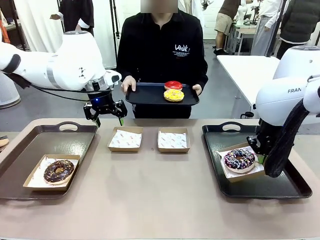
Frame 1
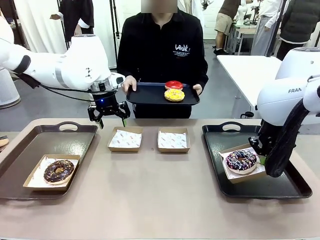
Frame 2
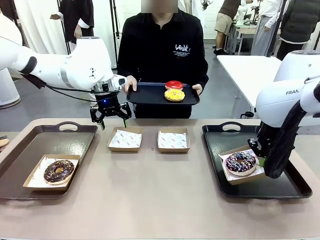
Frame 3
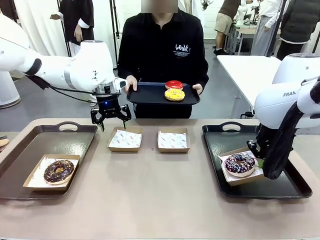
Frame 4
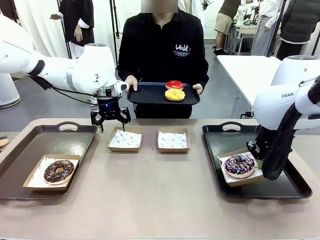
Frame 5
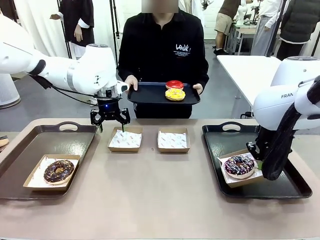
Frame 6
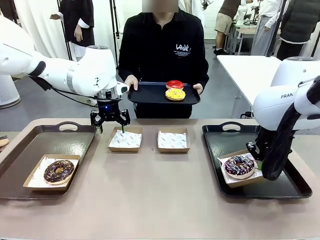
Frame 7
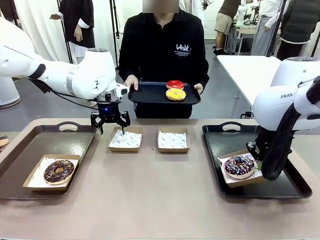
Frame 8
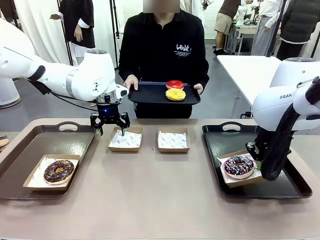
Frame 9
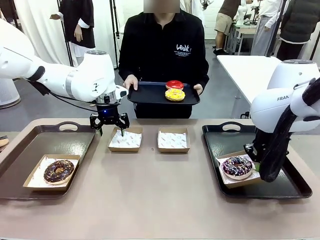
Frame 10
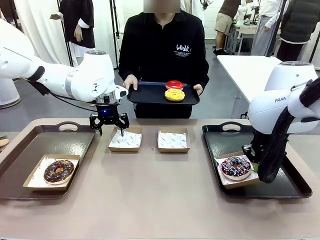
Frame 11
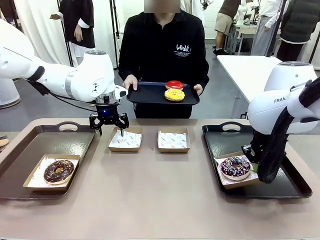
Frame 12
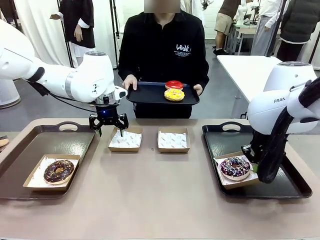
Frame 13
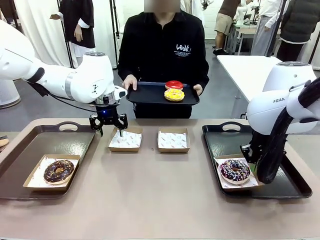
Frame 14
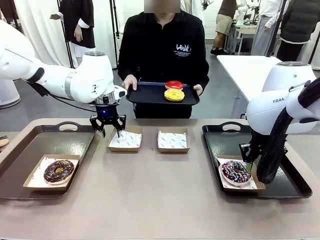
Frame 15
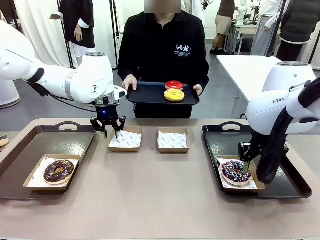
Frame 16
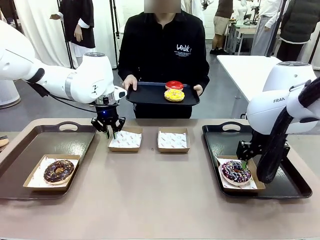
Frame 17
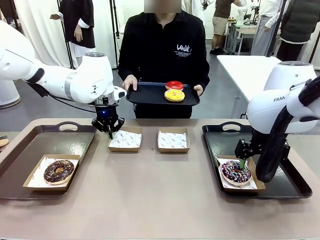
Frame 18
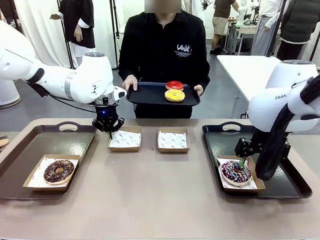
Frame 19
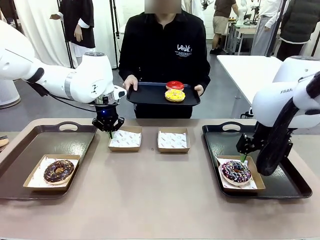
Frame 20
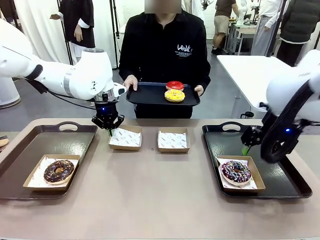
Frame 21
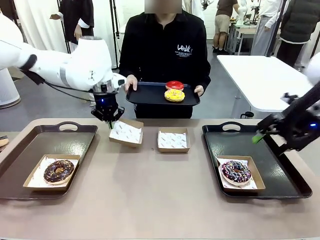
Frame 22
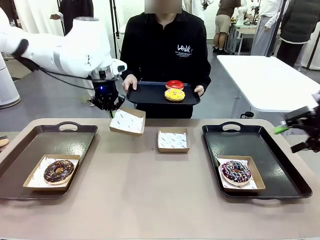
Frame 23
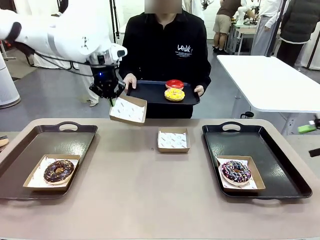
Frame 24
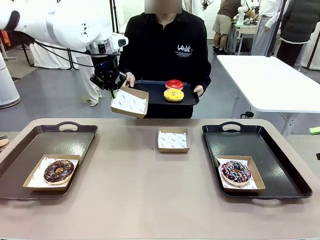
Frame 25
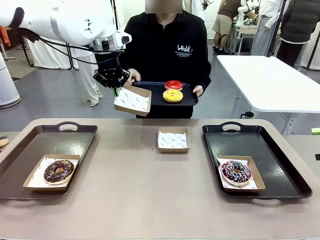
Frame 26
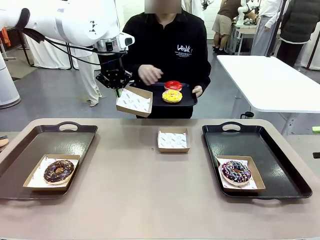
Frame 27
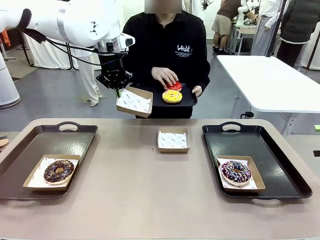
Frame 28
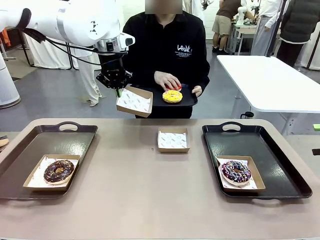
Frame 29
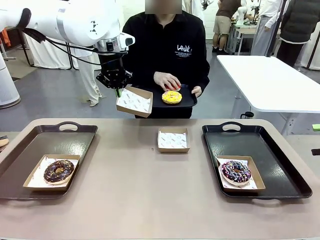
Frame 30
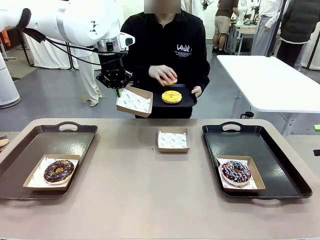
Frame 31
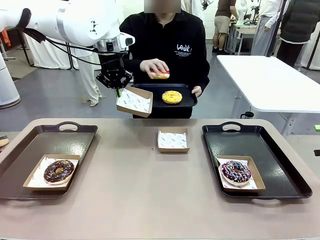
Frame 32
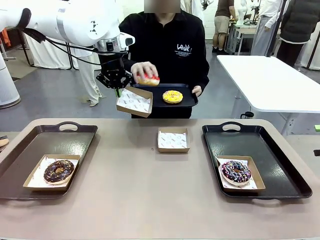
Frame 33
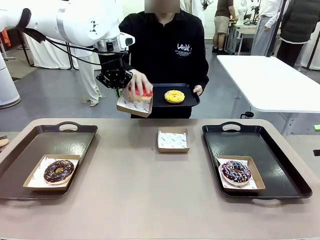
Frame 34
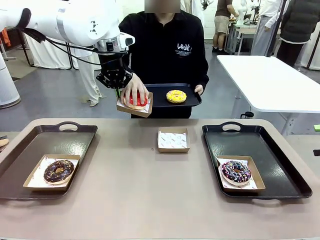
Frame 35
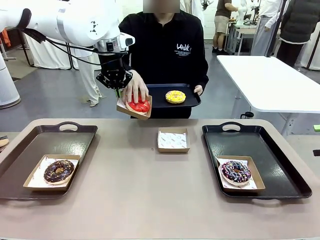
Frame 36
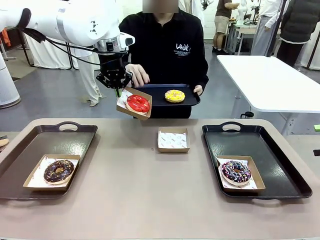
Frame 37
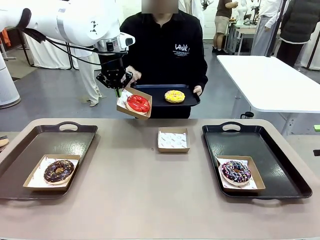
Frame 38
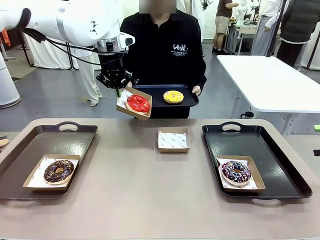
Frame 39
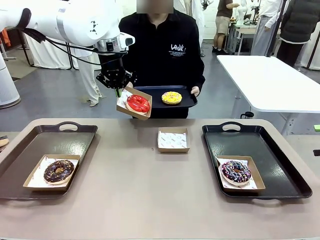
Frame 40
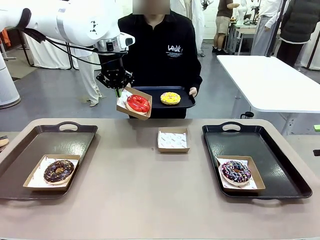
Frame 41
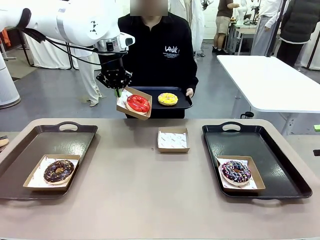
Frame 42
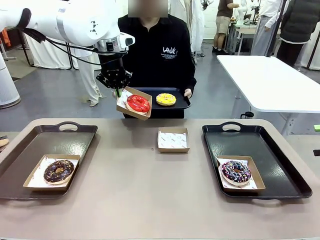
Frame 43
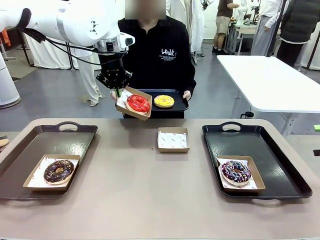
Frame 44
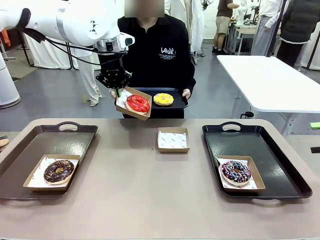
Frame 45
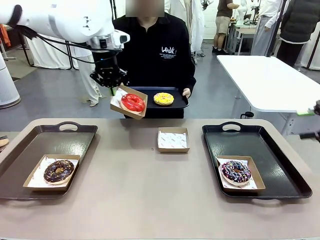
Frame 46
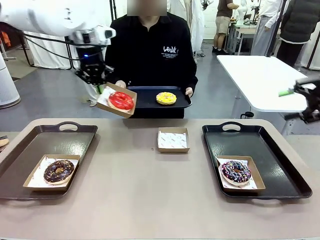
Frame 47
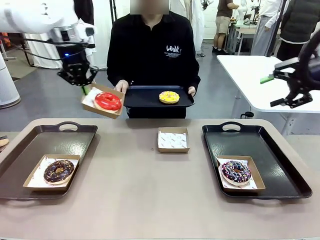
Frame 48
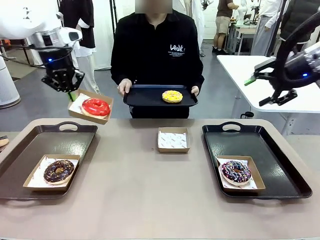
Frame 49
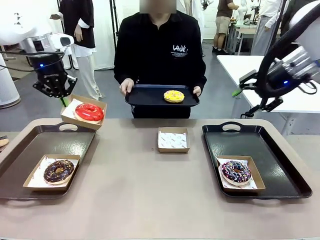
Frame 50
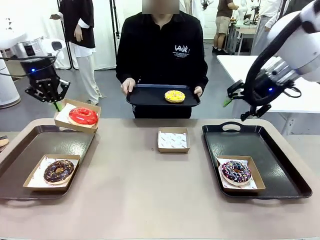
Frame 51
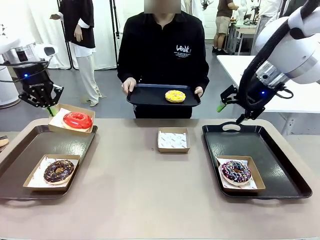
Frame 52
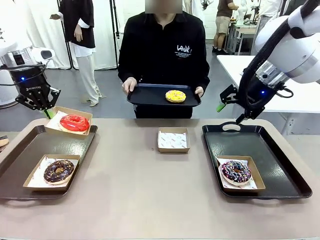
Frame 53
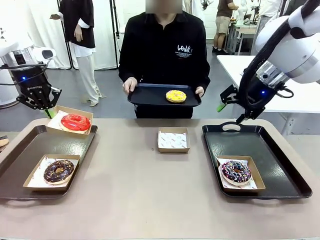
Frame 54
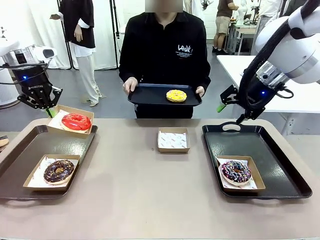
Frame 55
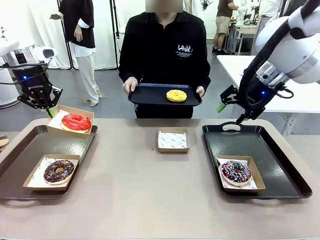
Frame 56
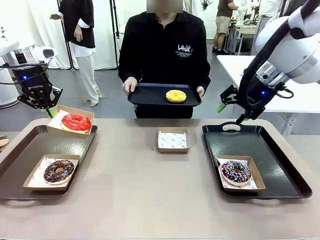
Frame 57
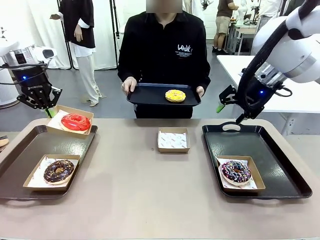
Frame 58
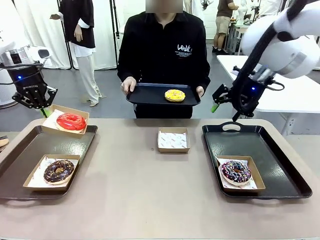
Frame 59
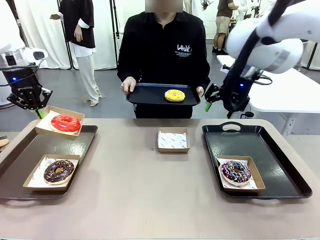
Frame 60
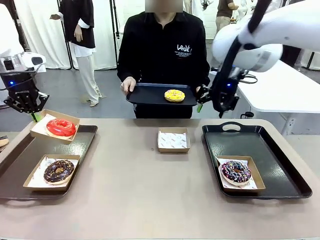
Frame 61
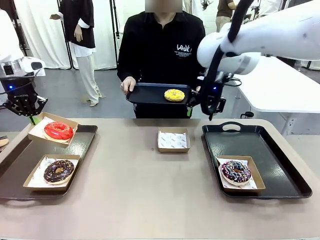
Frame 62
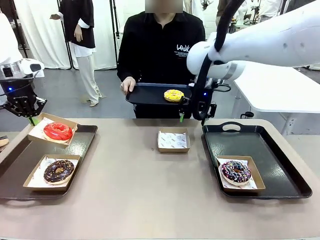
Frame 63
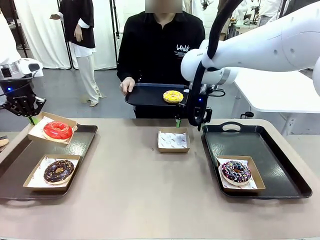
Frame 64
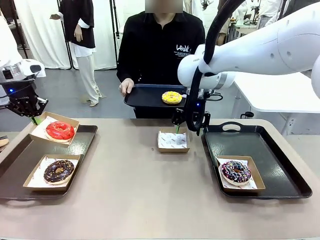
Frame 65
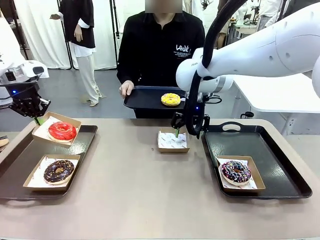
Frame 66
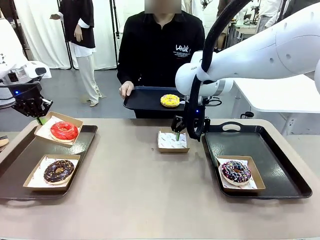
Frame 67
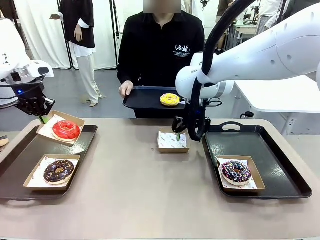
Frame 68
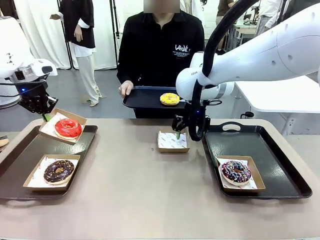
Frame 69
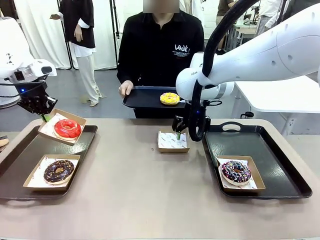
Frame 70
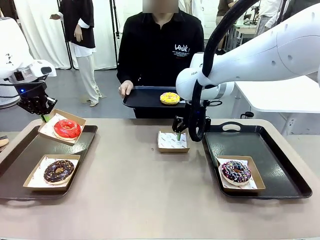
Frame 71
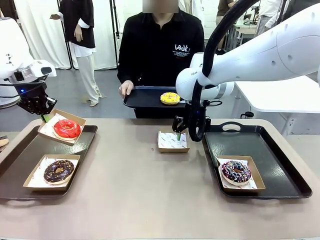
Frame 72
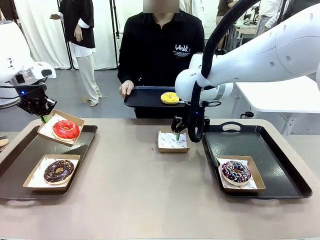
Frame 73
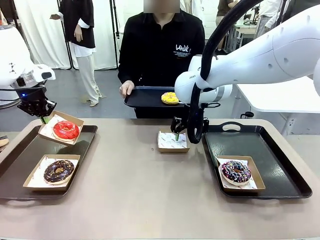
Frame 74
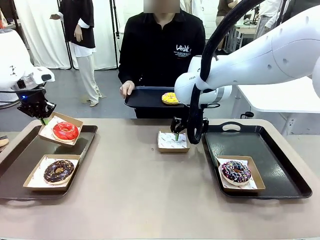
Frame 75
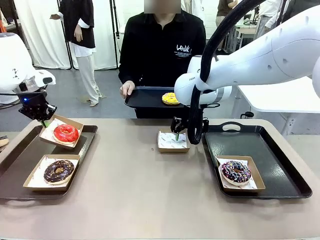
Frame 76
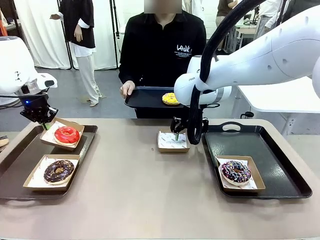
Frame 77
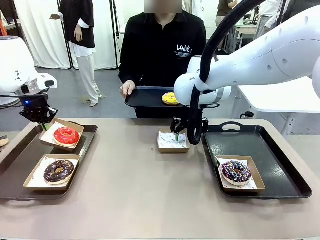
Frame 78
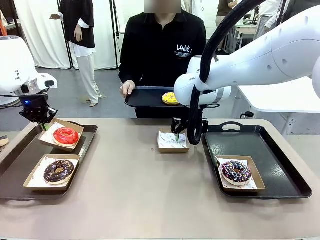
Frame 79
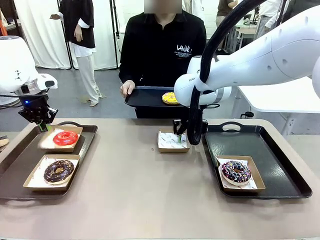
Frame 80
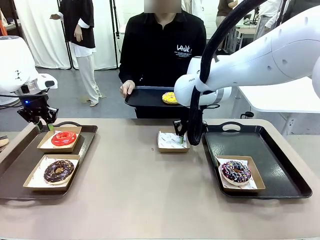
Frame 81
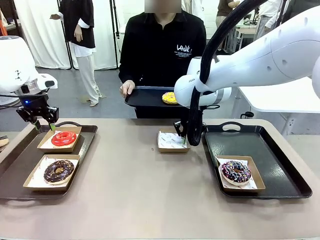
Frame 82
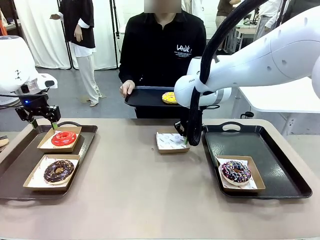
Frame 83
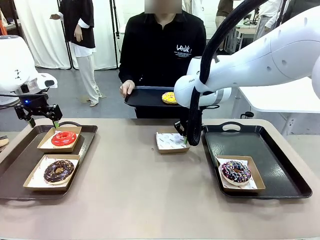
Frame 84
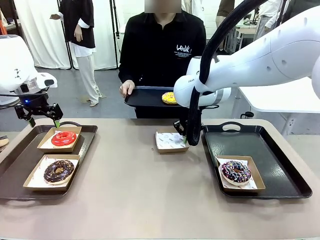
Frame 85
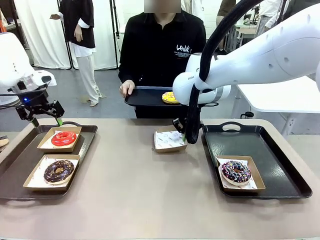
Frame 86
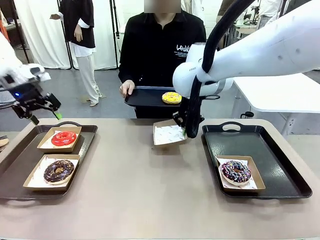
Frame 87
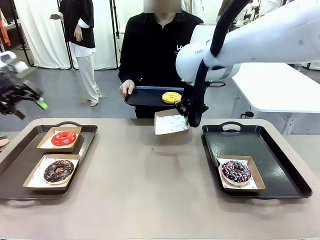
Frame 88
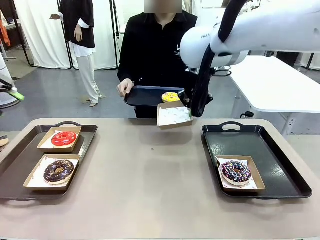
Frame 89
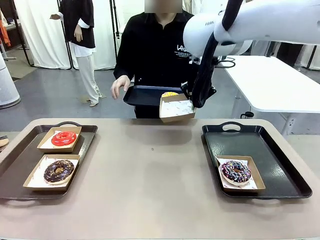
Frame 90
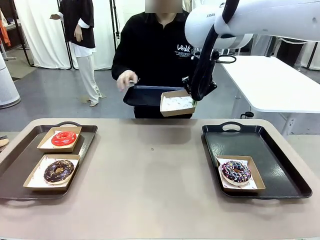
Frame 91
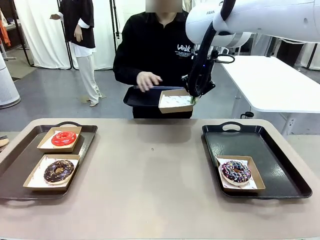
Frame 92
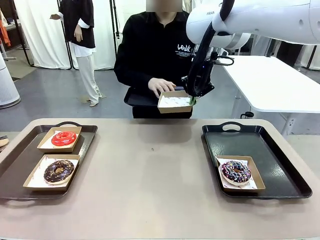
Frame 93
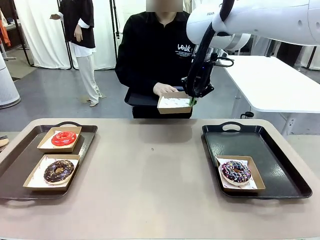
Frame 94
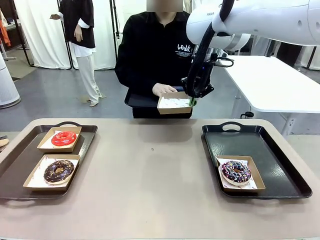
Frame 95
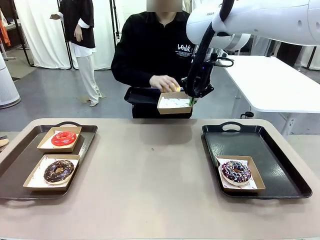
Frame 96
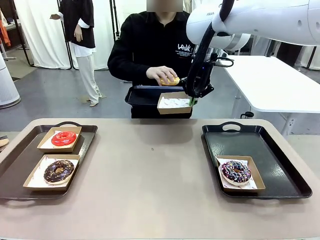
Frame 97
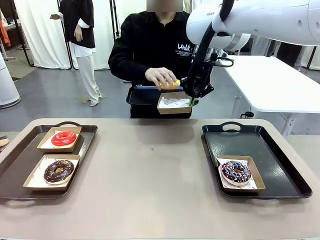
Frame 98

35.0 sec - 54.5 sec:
Task: Individually package the donuts and arrange them on the tray.
Robot: Place the picked Paper togo box on the Handle tray while simultaneously picking up another Paper togo box from the table with the other hand.
